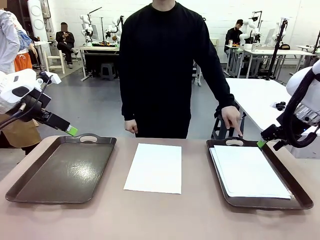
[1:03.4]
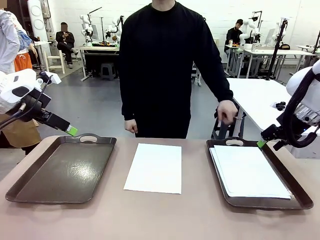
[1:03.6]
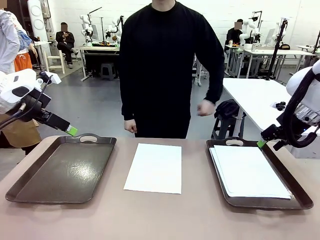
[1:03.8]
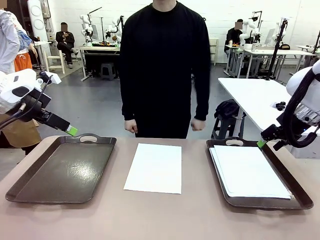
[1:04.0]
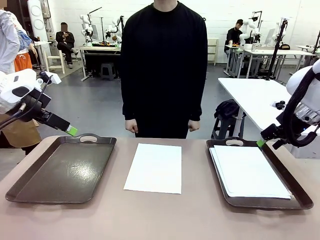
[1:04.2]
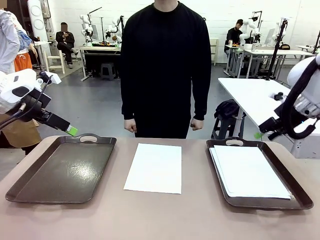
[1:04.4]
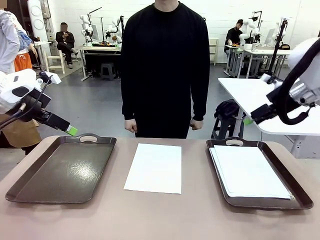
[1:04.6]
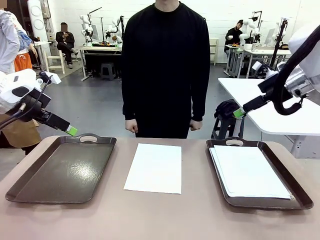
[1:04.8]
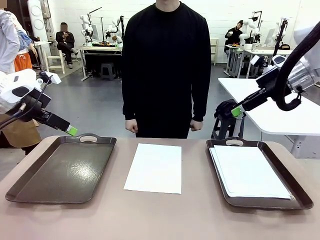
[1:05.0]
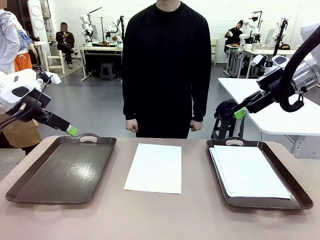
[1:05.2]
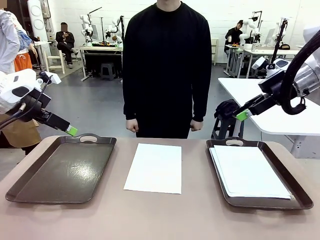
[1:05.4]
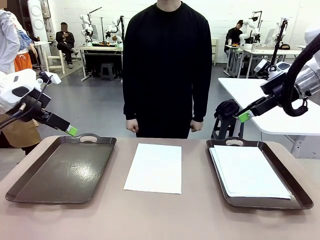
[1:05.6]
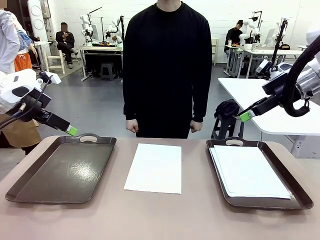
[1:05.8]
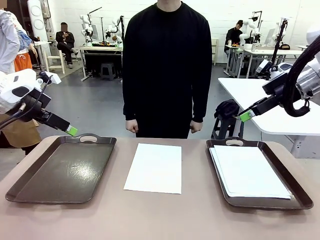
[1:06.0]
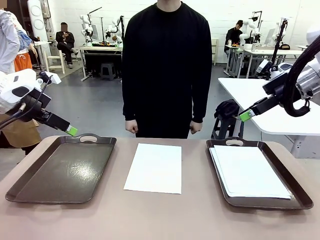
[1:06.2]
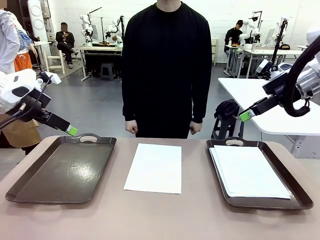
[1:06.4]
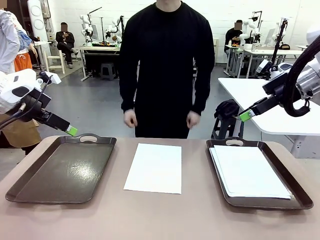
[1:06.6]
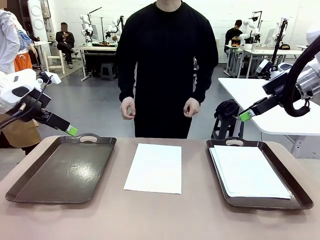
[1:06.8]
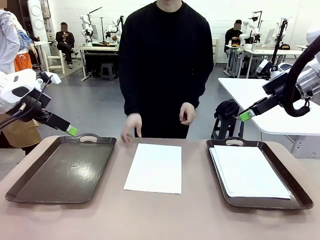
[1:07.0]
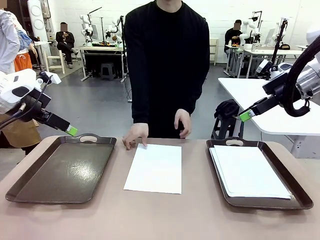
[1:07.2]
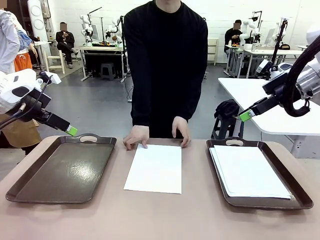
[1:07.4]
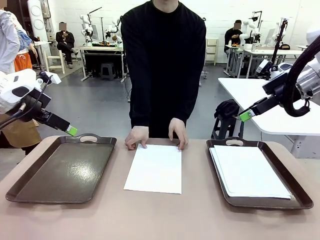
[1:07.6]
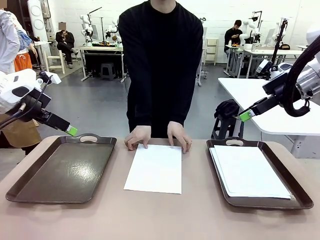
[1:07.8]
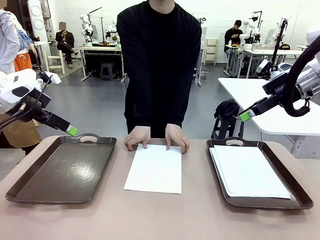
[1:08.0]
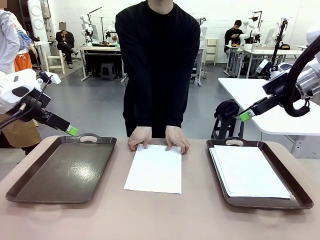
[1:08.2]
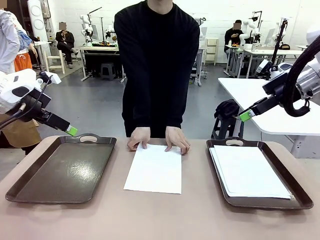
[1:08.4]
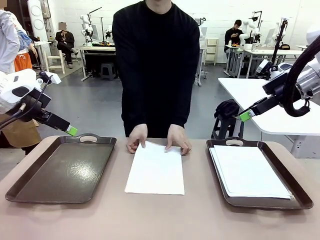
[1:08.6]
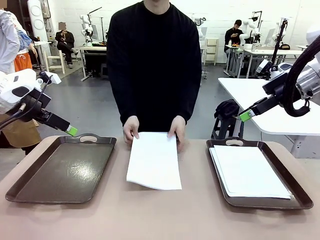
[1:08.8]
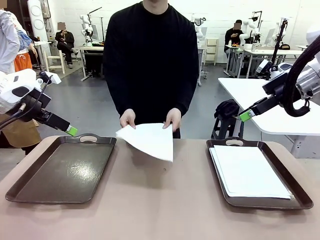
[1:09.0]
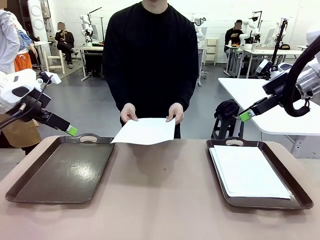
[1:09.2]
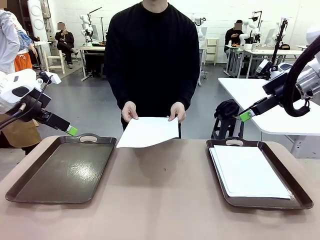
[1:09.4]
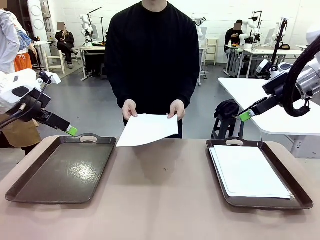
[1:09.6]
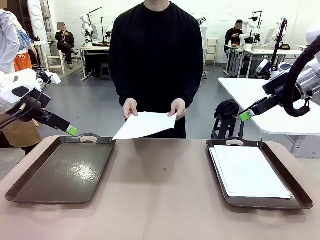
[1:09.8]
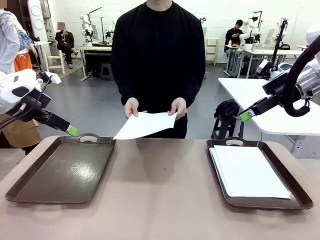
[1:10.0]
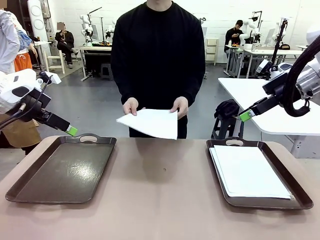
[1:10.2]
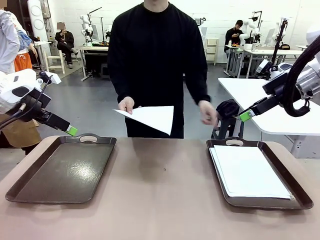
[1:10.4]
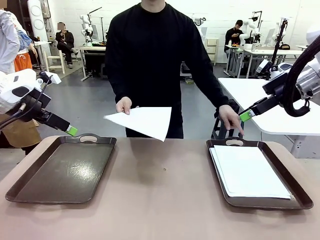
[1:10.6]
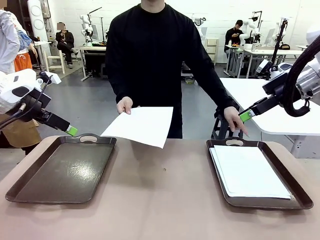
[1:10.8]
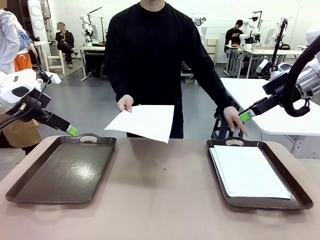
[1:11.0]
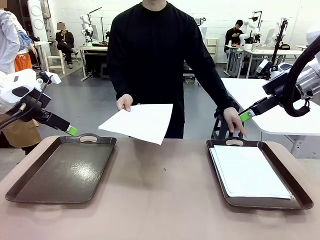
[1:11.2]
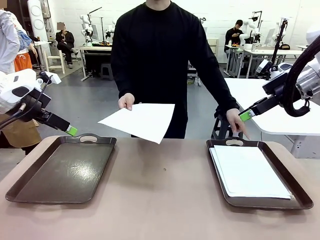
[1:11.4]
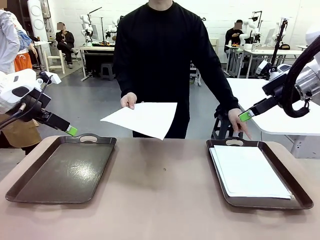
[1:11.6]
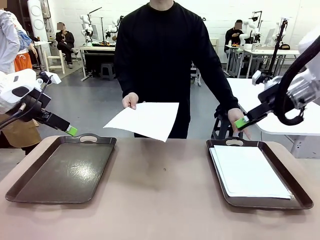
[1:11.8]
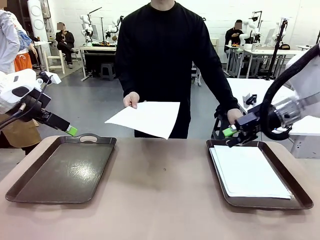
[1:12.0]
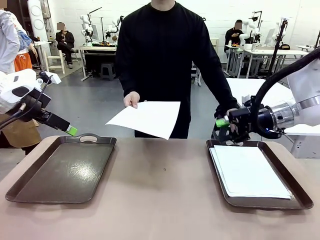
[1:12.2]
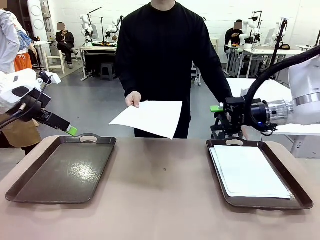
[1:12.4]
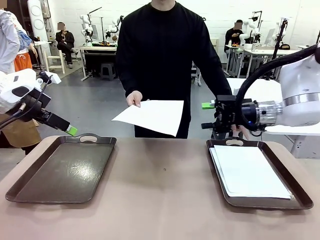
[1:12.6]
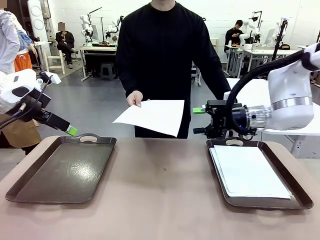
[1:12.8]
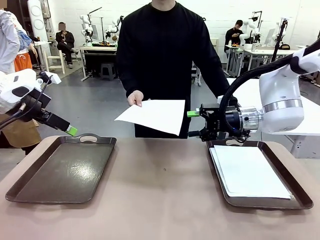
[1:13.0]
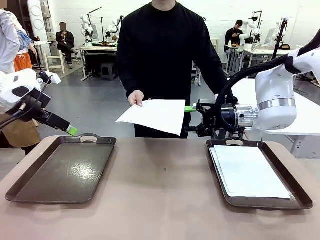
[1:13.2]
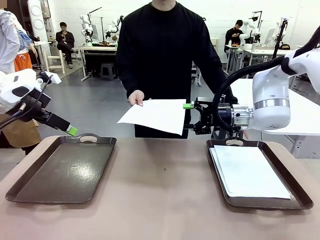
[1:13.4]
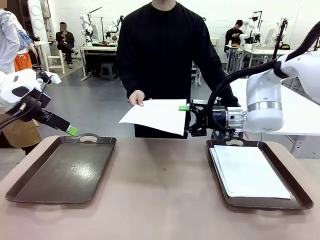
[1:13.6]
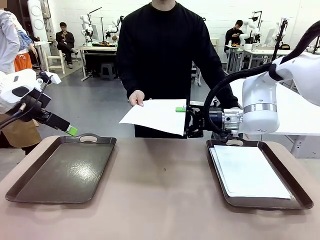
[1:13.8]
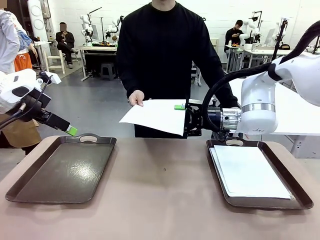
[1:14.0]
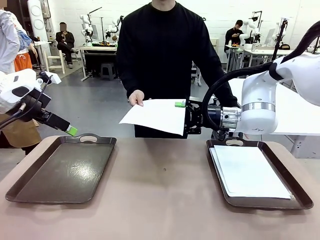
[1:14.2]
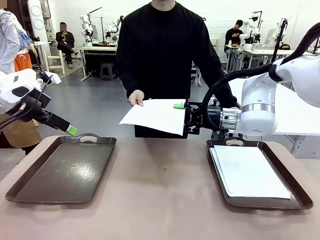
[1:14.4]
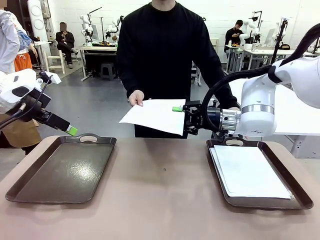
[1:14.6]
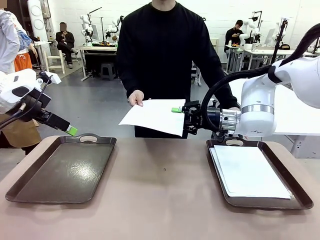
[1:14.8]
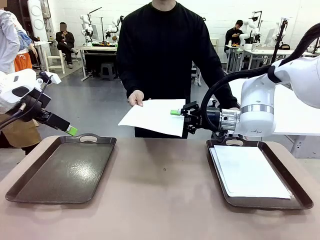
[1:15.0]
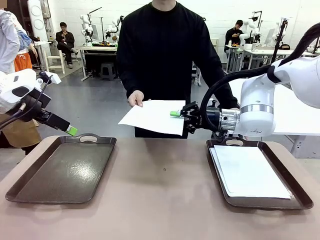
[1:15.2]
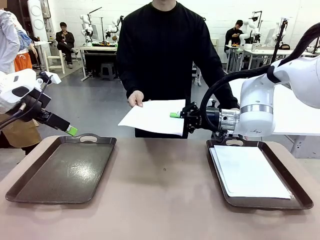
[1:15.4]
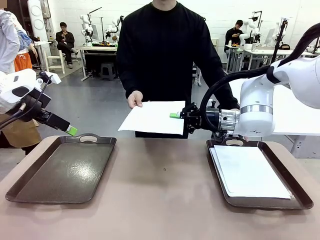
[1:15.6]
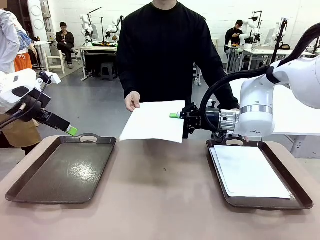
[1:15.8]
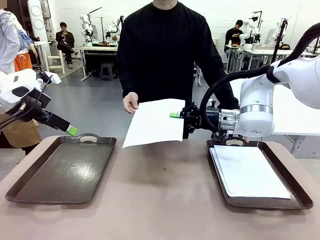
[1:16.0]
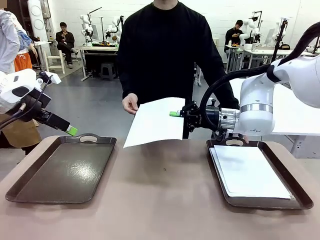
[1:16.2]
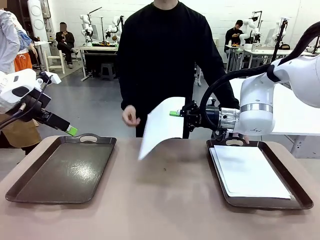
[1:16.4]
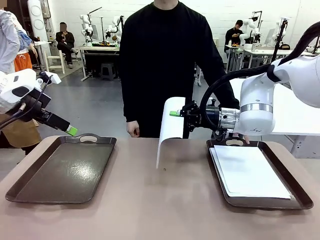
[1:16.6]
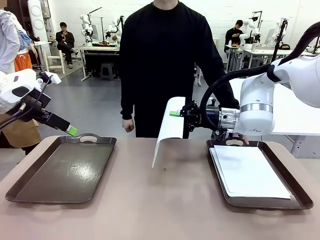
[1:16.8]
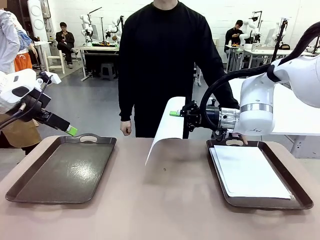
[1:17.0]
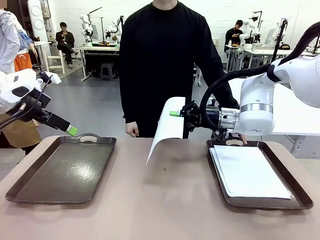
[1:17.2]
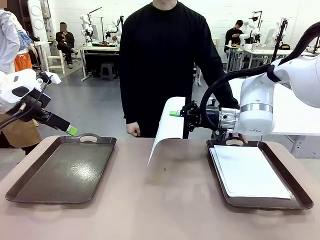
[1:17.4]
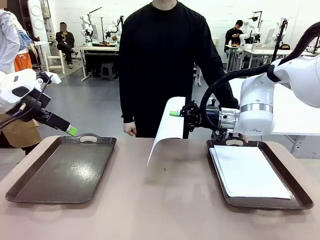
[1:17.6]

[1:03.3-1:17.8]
Task: Sort the A4 documents.
Robot: Receive the A4 Paper.
Person: Point the randomly selected tray with the other hand.

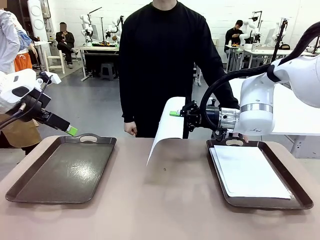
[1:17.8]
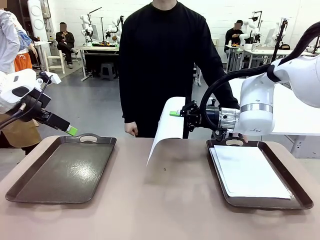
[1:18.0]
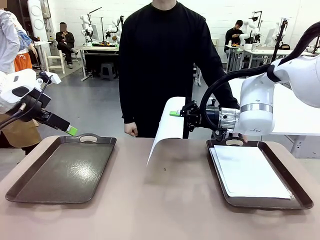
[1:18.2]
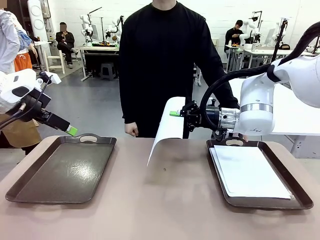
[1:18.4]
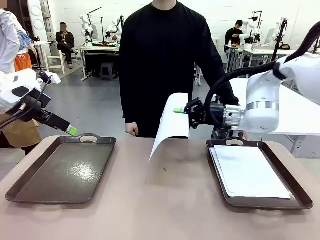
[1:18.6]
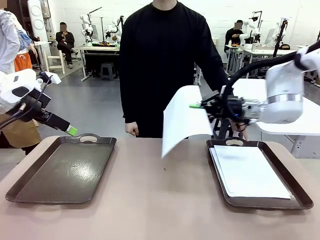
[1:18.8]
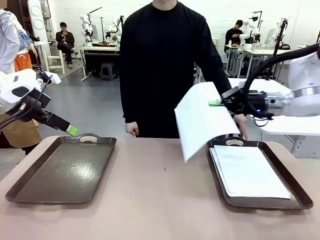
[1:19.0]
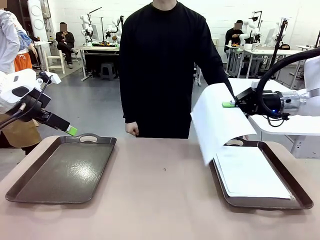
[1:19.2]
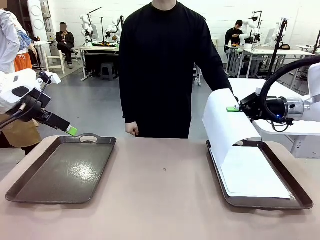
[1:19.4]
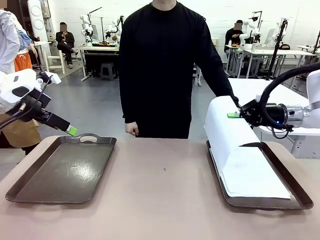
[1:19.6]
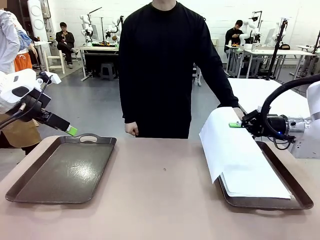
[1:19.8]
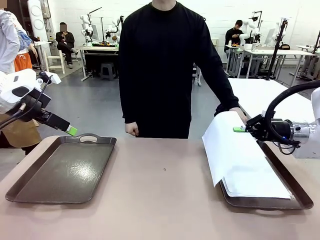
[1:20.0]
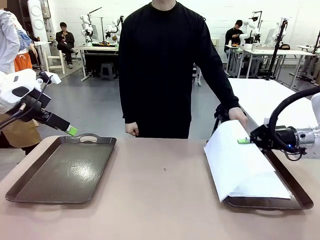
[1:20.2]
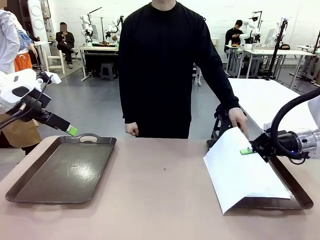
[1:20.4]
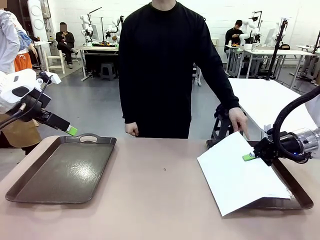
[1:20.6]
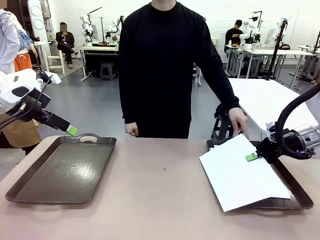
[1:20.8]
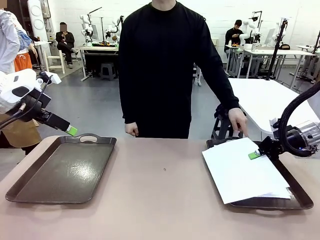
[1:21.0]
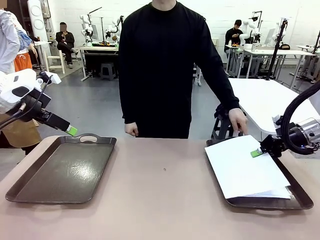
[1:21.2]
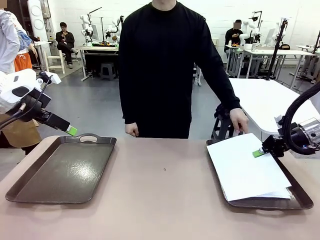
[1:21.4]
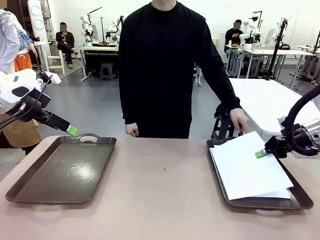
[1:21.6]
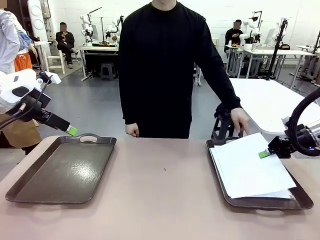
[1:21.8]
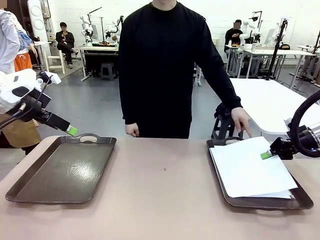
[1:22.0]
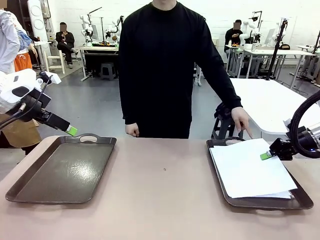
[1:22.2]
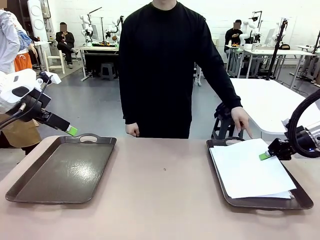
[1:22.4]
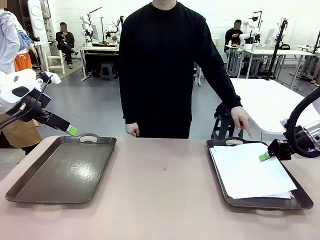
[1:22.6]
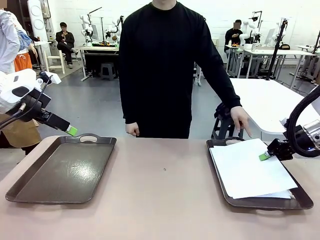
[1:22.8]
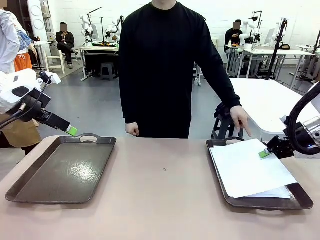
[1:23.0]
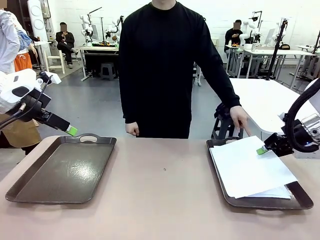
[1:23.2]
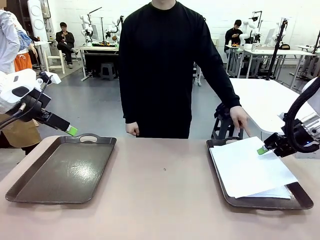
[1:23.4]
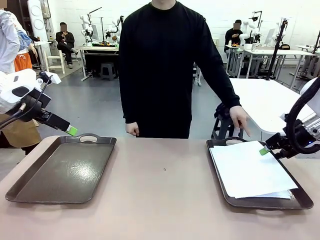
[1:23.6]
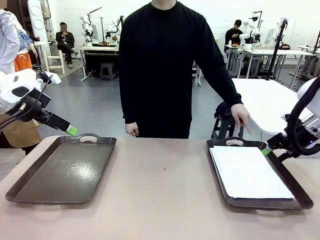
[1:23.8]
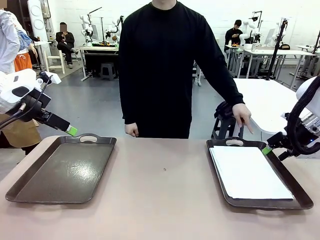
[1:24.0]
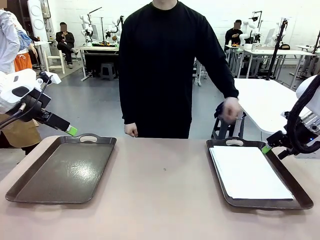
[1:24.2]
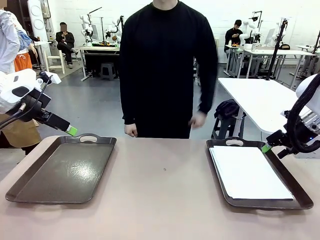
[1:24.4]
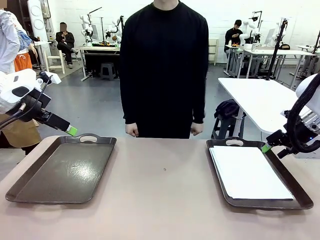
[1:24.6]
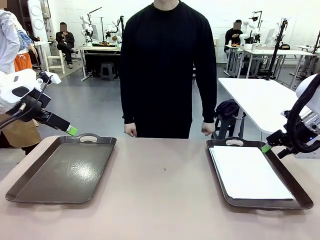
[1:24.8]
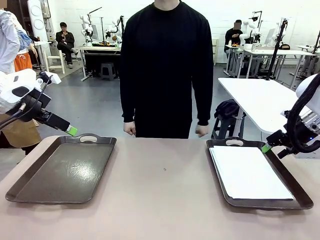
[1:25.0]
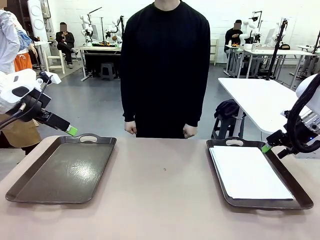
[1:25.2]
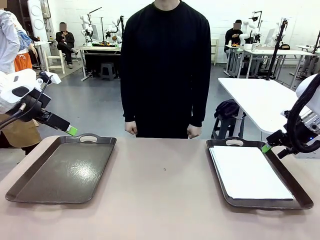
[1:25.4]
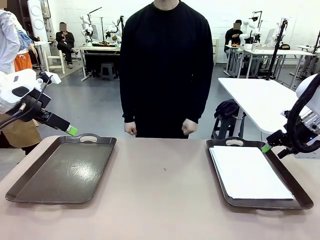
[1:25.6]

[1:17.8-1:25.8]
Robot: Place the A4 Paper in the designated Handle tray.
